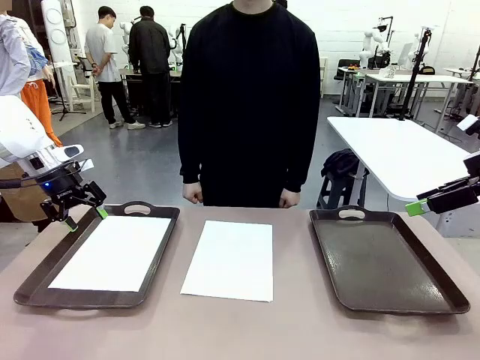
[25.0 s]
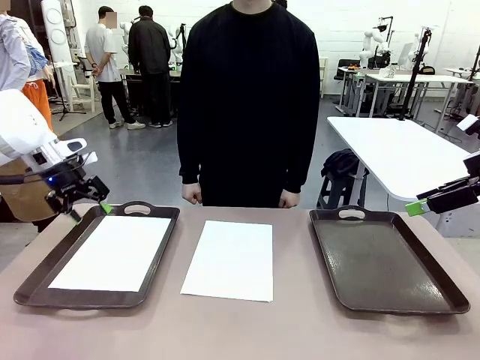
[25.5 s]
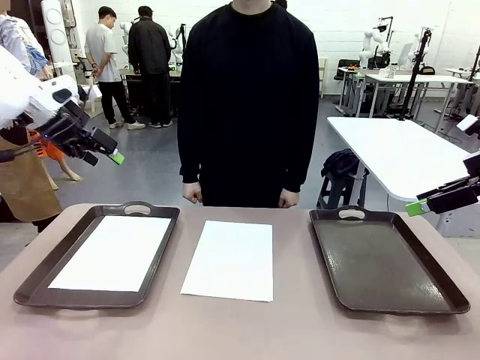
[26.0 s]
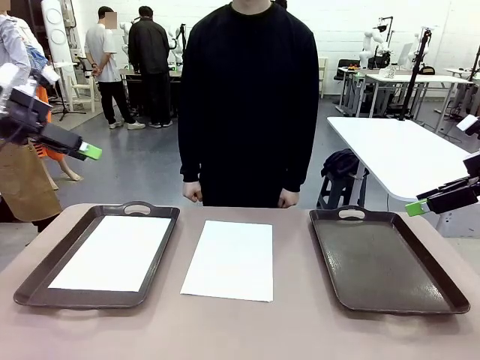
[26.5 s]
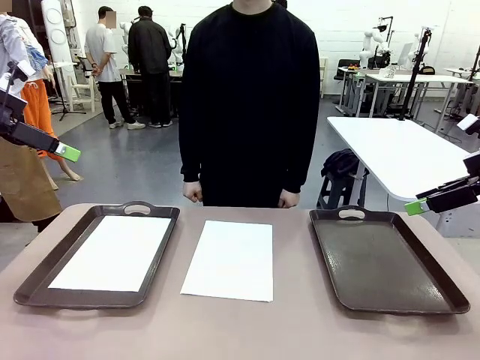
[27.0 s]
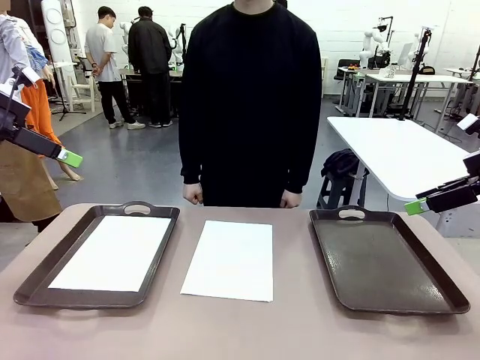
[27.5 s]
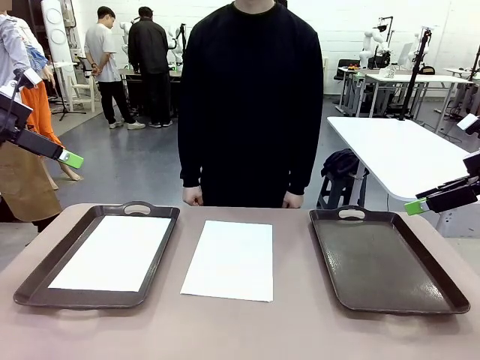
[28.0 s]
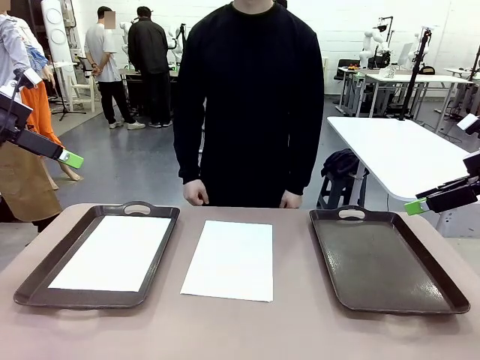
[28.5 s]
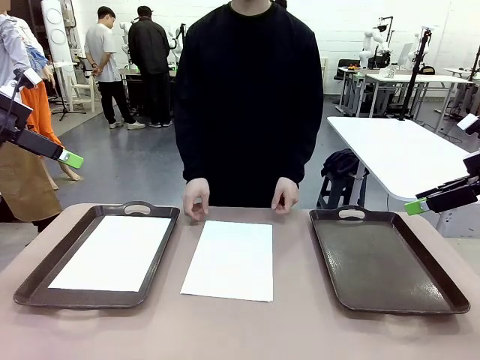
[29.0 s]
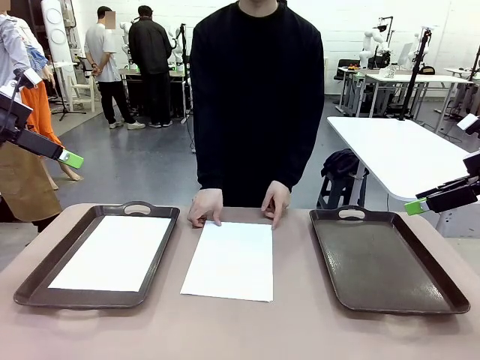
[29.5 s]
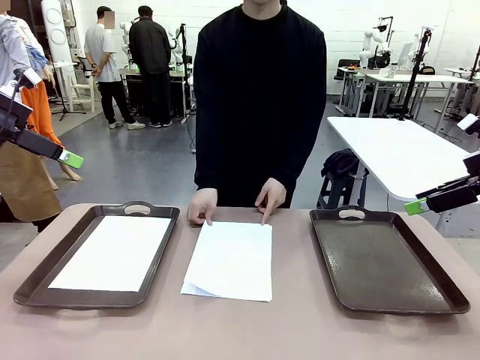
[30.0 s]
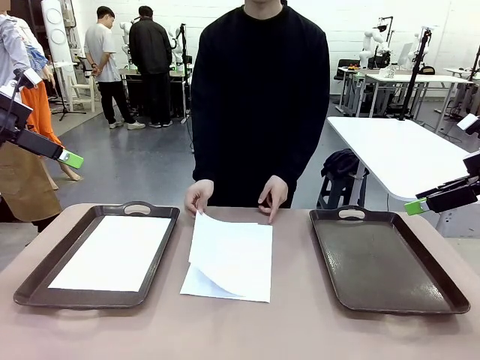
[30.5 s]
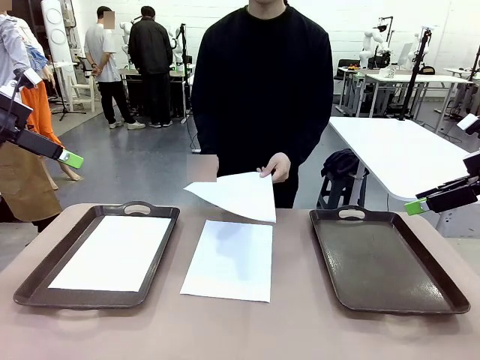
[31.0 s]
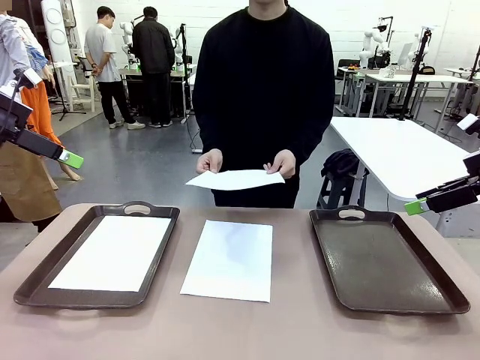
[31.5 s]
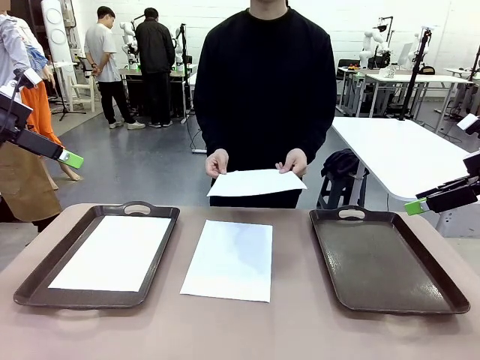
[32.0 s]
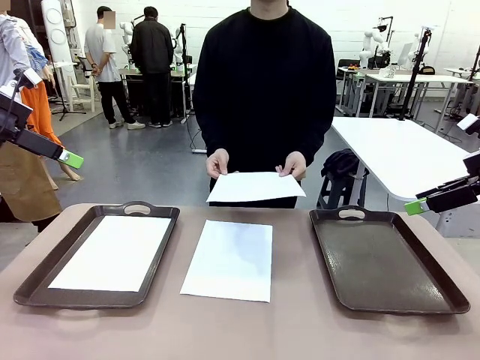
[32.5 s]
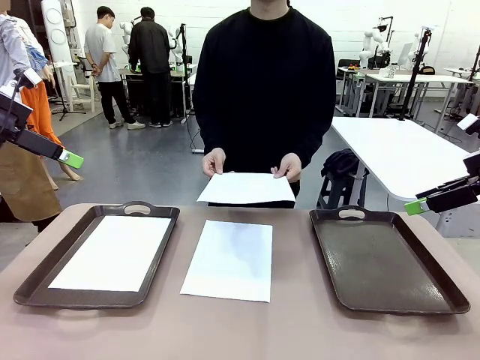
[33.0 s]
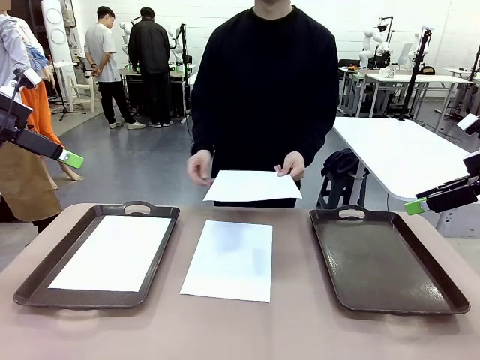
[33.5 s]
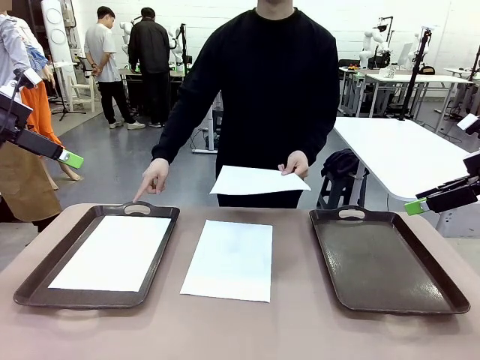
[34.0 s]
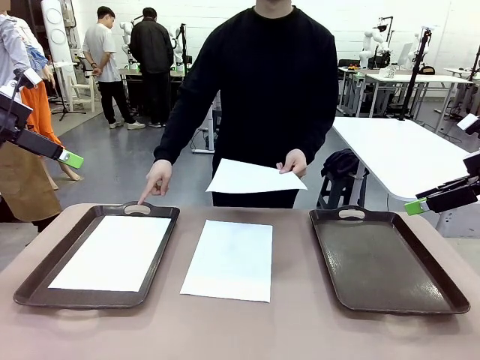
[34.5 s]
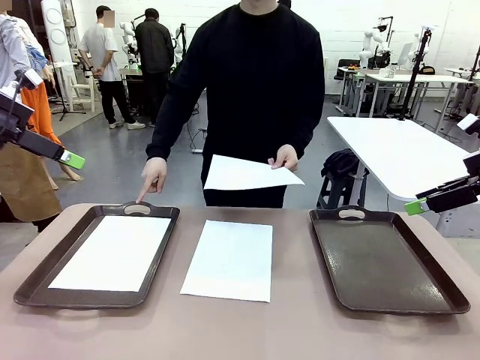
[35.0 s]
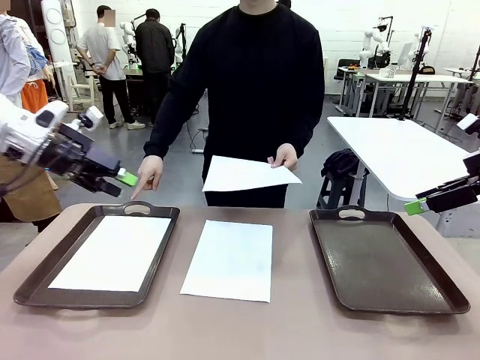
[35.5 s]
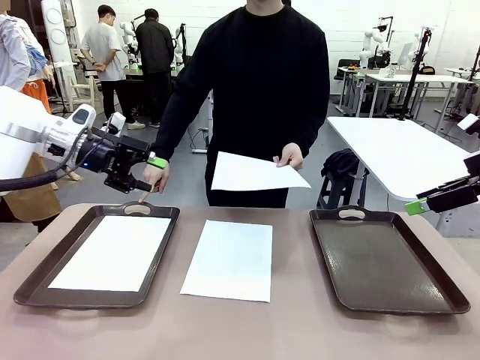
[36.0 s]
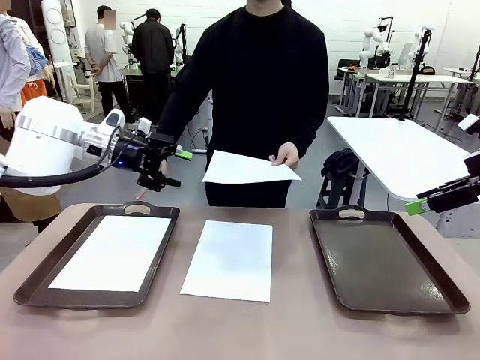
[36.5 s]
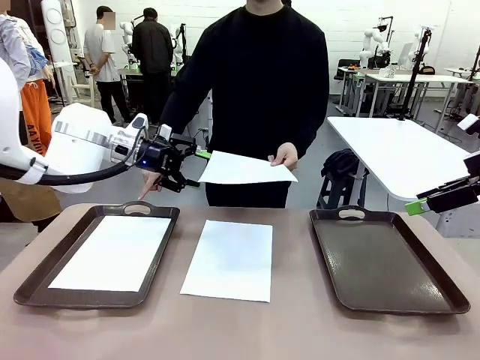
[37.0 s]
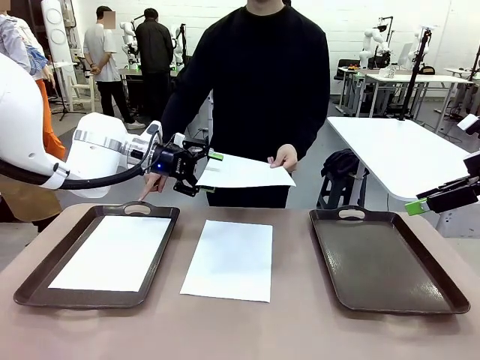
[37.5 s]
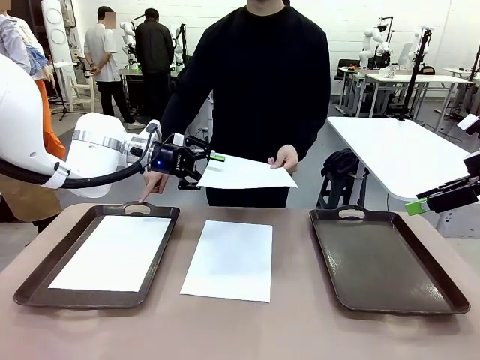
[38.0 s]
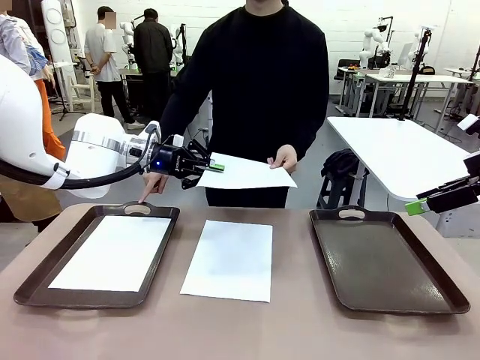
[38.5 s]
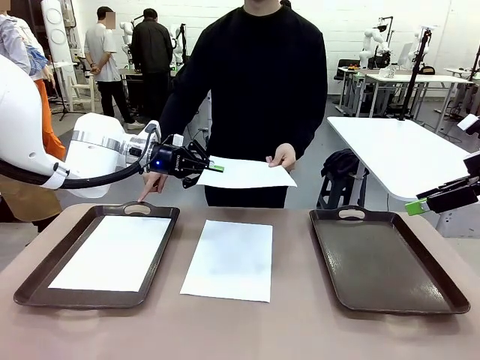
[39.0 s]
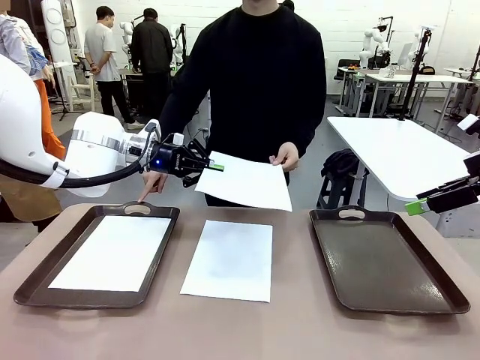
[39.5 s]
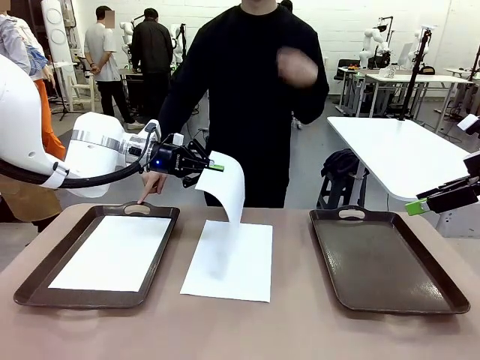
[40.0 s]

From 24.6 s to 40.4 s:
Task: Sort the A4 documents.
Robot: Receive the A4 Paper.
Person: Point the randomly selected tray with the other hand.

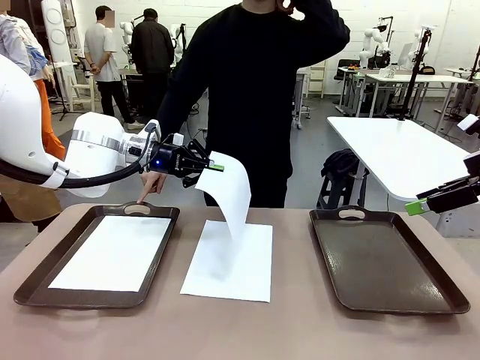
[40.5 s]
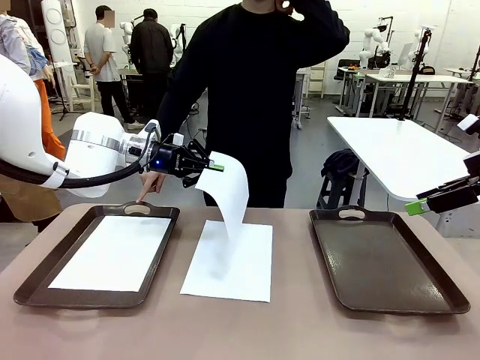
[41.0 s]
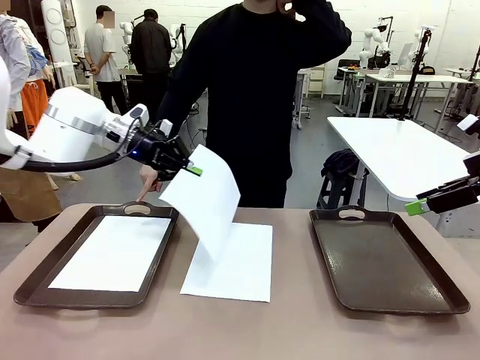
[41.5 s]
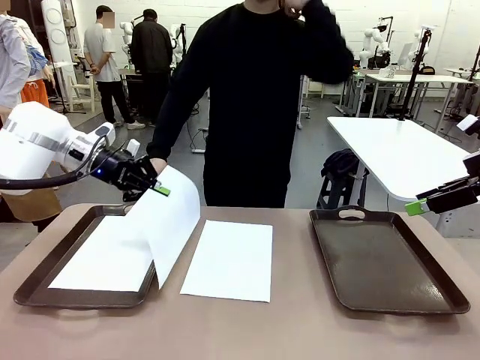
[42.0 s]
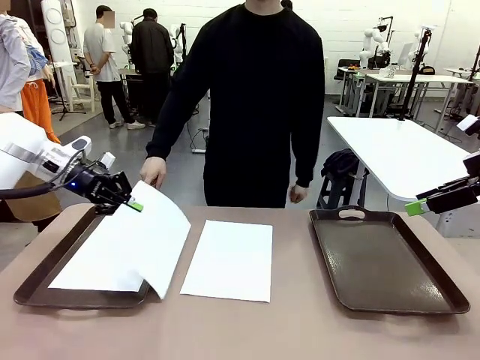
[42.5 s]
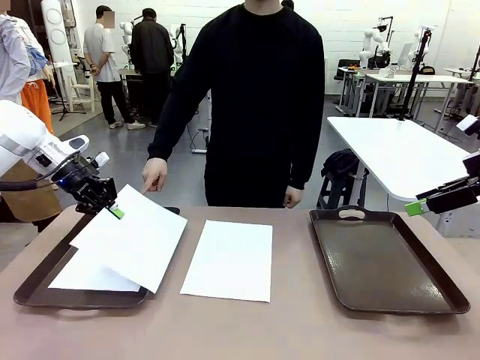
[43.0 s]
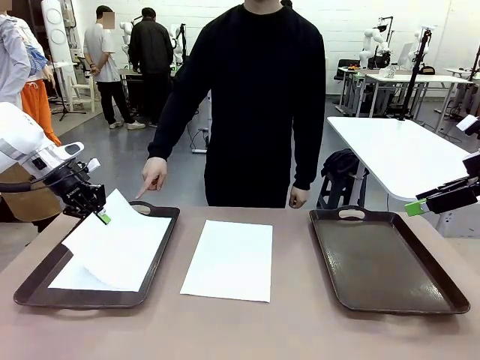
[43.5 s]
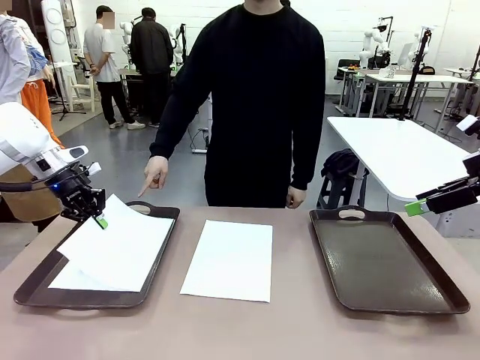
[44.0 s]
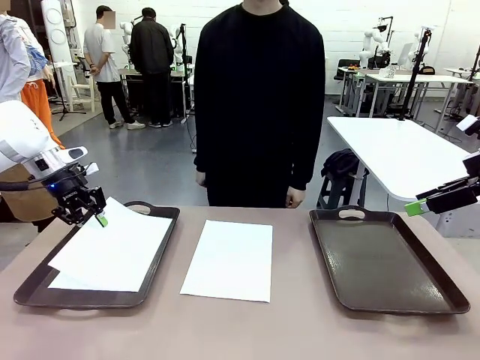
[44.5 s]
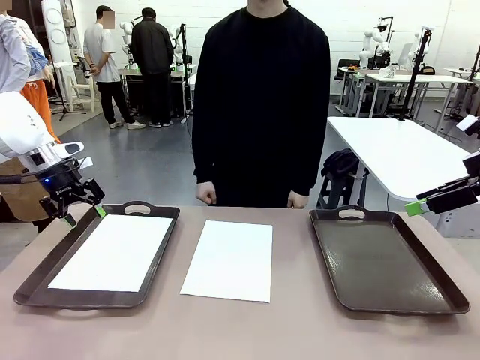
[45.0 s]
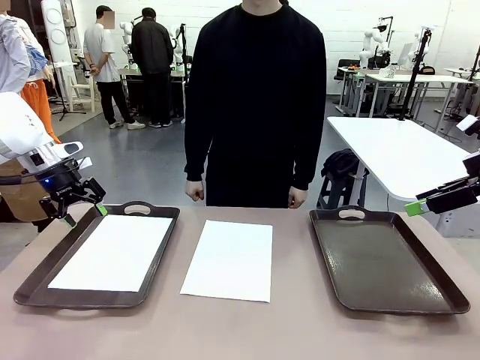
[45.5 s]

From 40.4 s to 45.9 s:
Robot: Place the A4 Paper in the designated Handle tray.

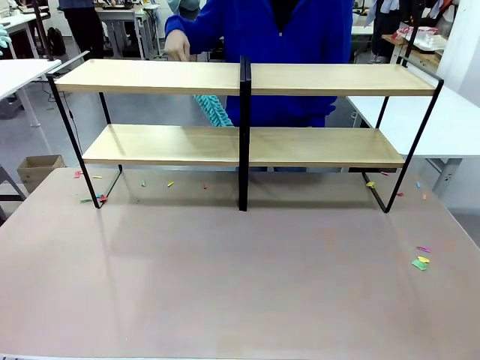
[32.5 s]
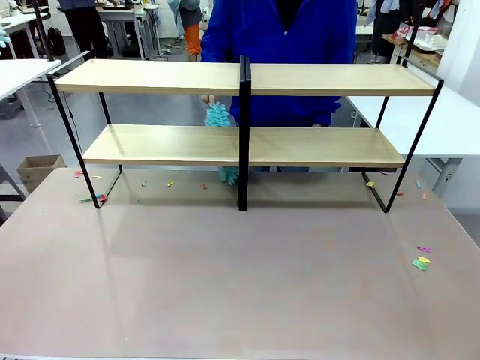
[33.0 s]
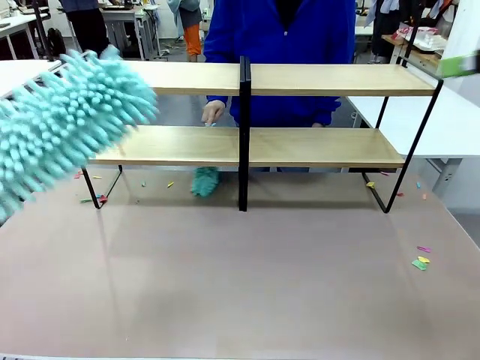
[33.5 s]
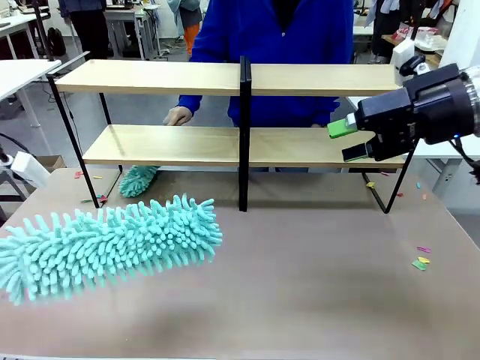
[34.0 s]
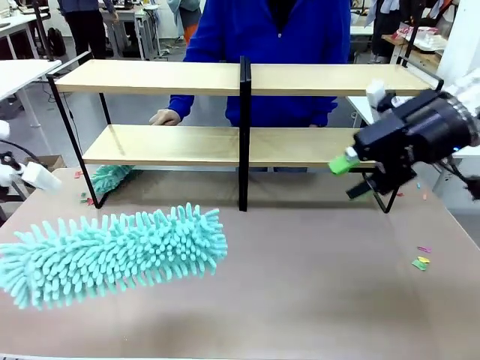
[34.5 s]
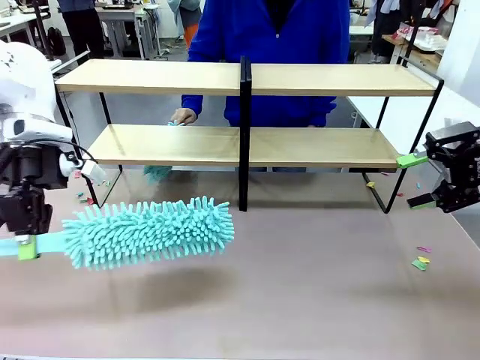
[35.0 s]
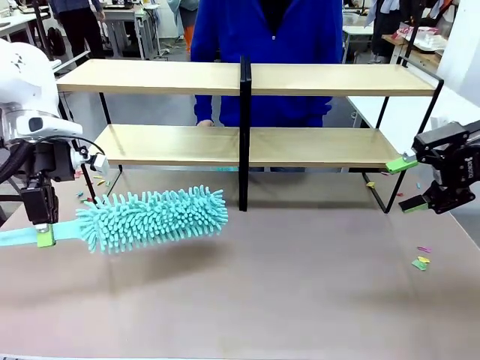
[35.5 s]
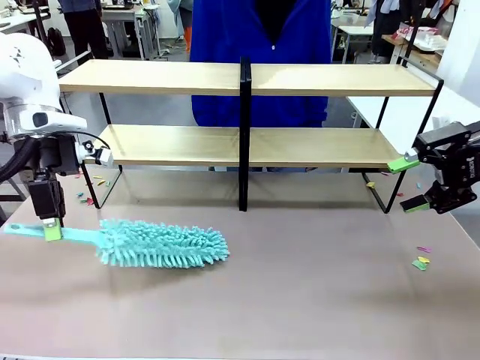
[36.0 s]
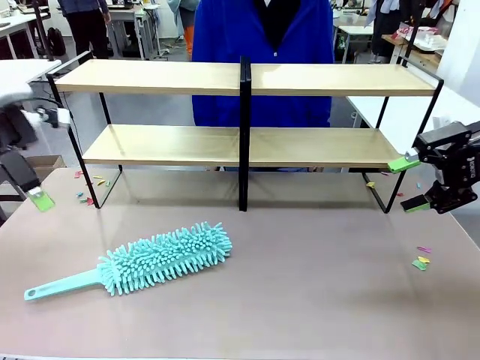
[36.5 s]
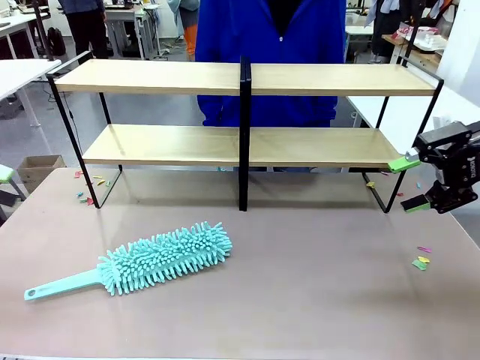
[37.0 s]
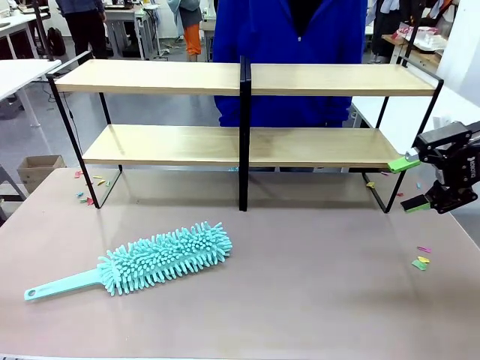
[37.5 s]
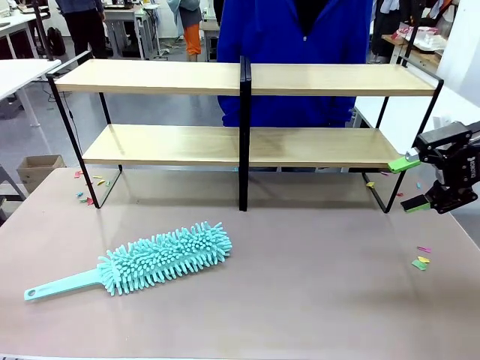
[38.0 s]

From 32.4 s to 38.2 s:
Task: Clean the shelves.
Robot: Place the Duster on the table.
